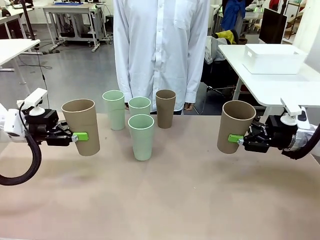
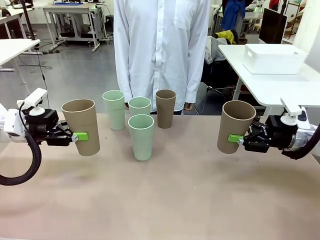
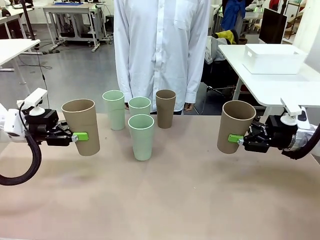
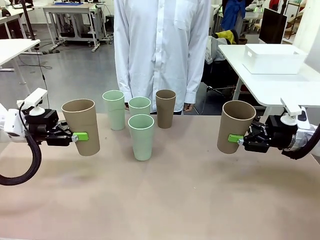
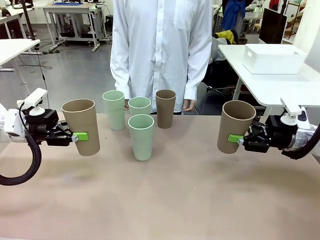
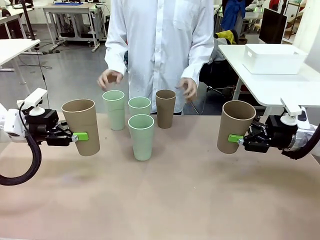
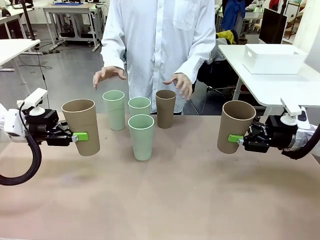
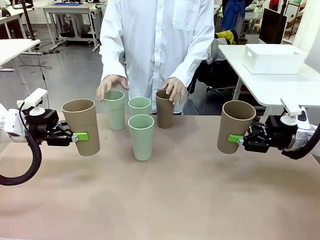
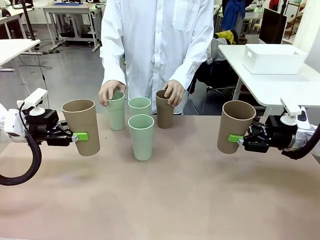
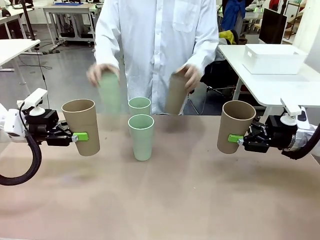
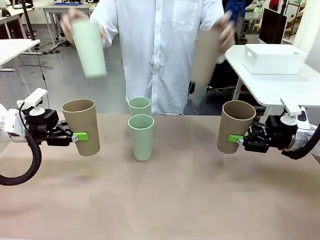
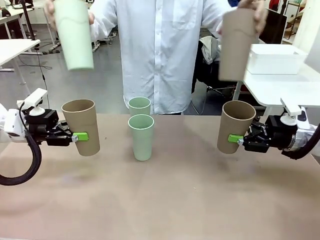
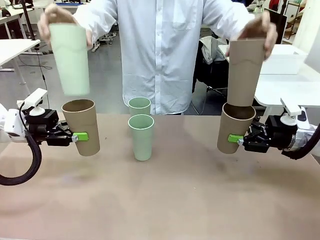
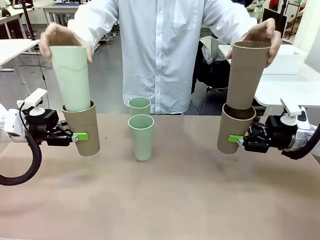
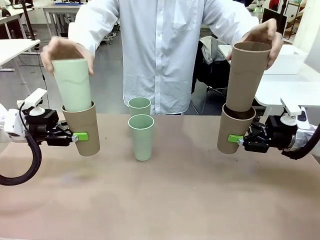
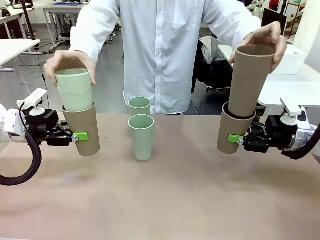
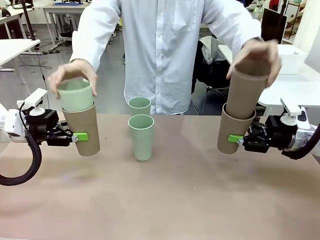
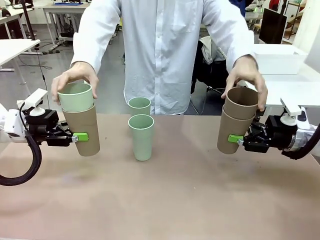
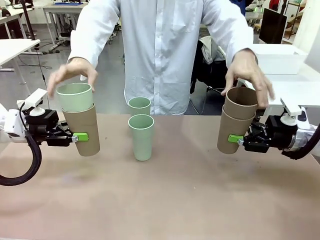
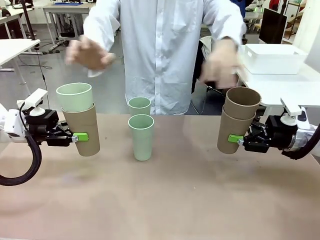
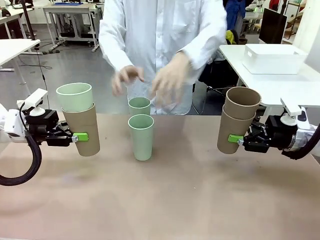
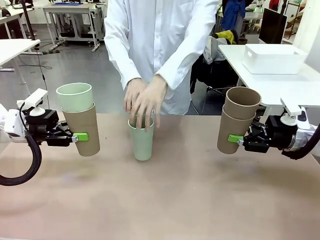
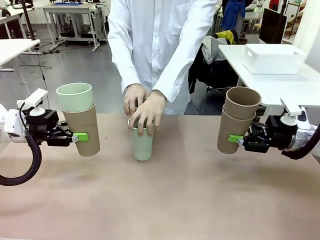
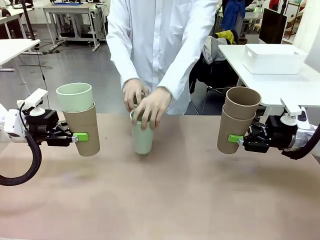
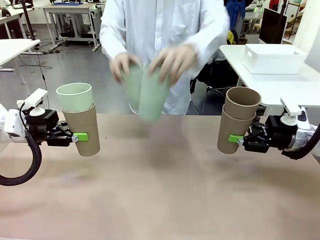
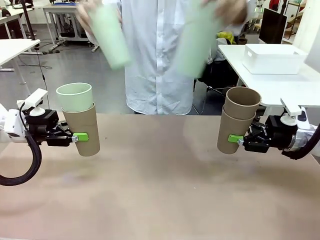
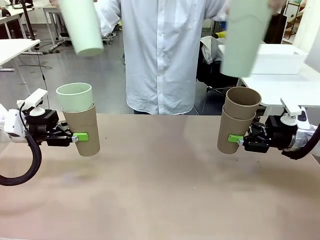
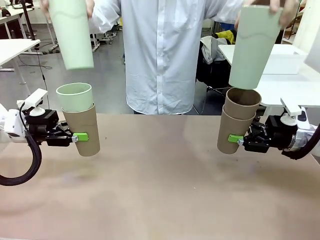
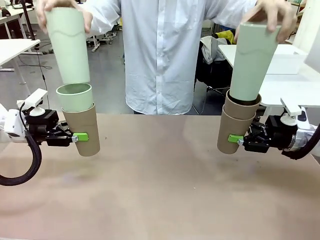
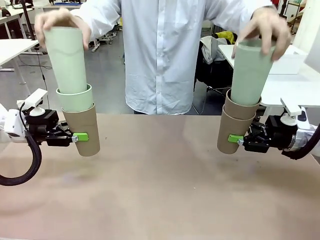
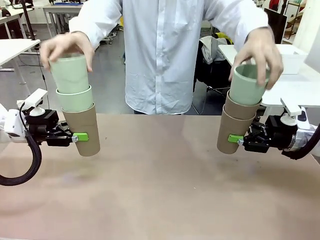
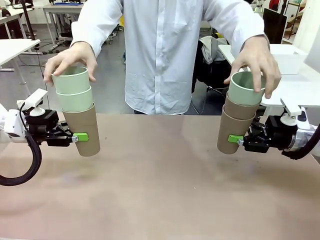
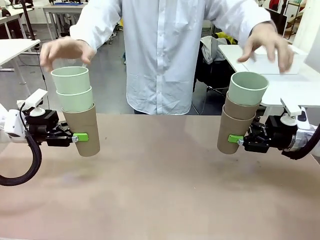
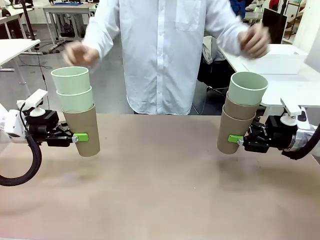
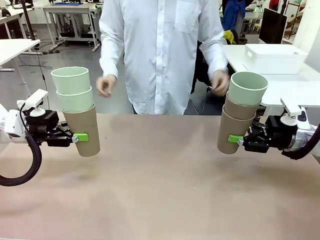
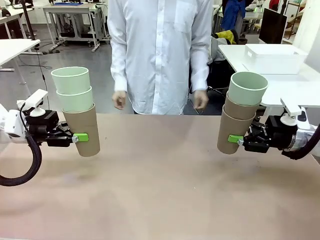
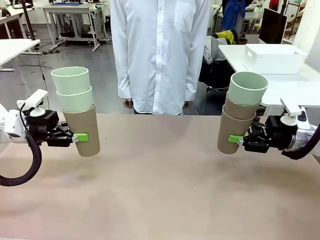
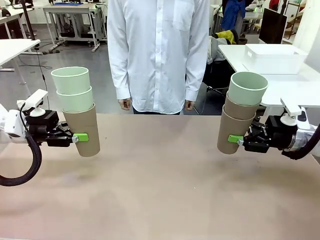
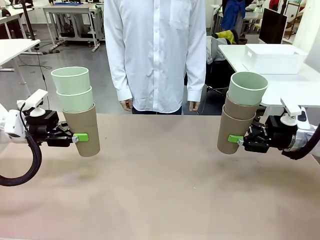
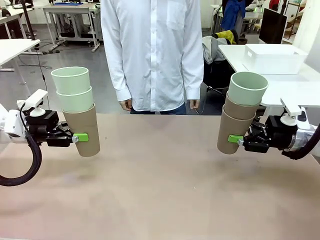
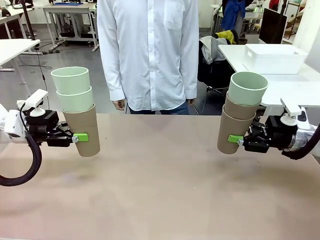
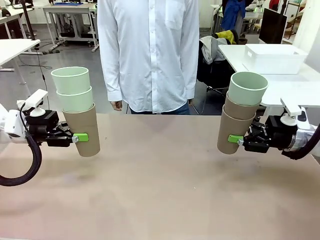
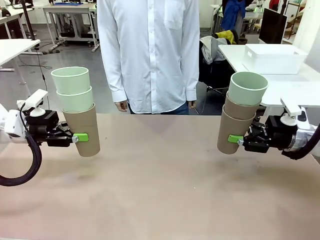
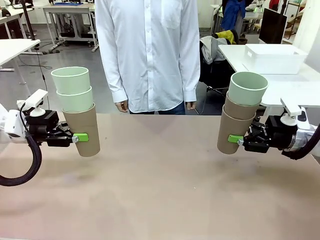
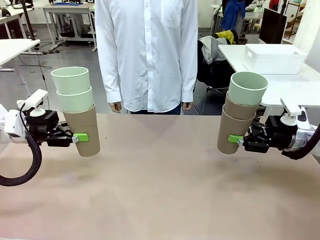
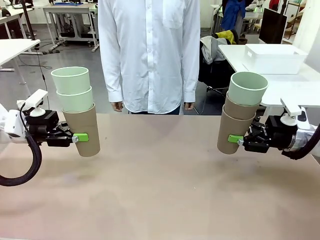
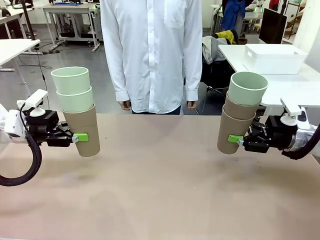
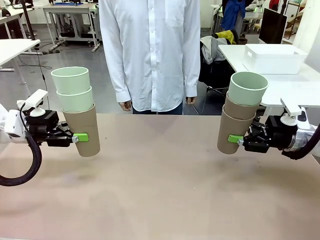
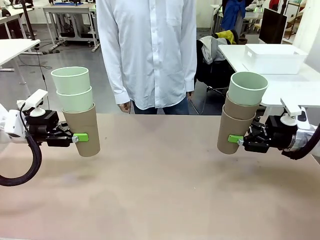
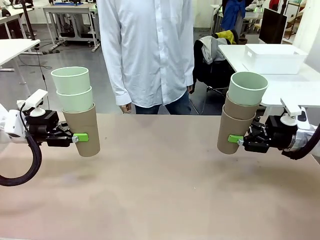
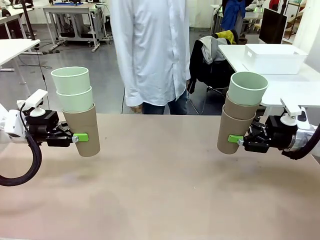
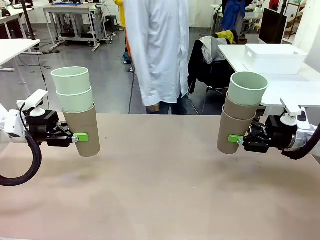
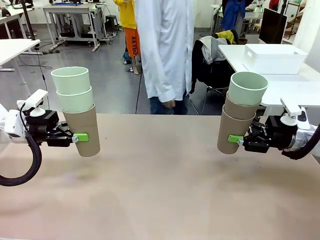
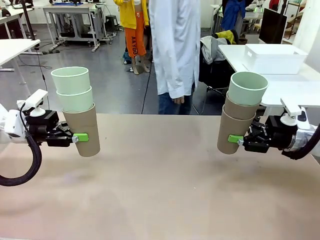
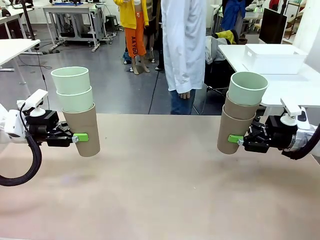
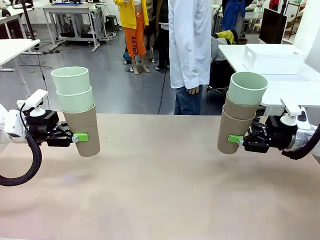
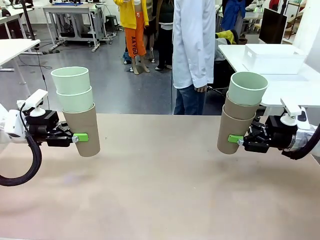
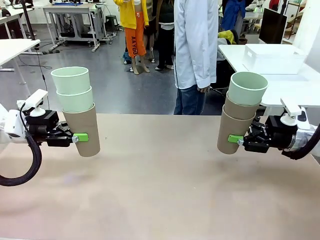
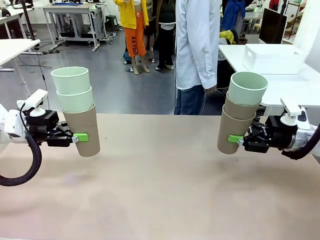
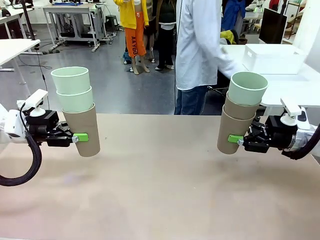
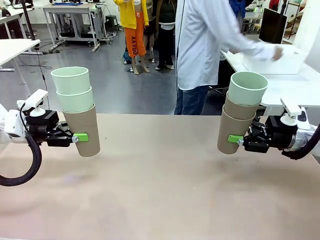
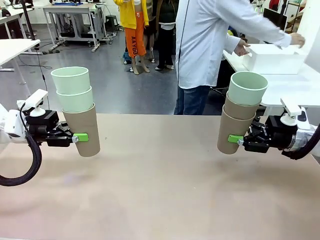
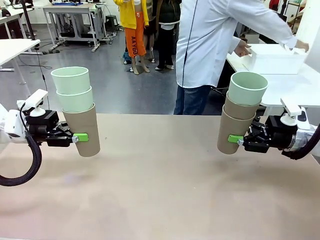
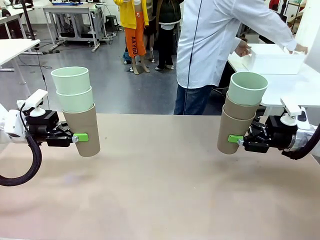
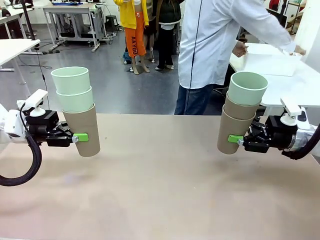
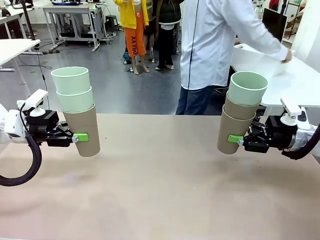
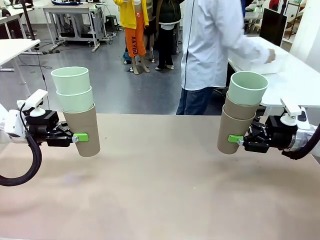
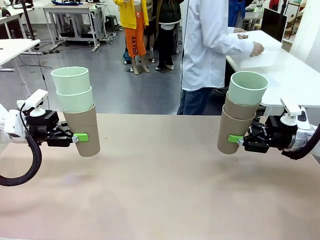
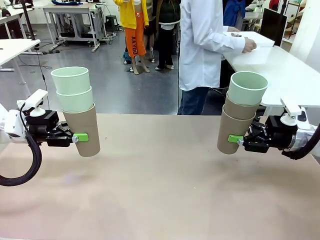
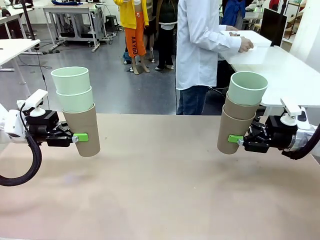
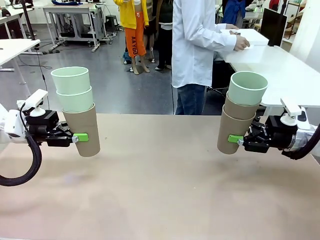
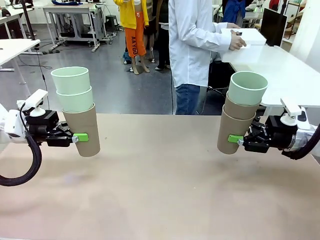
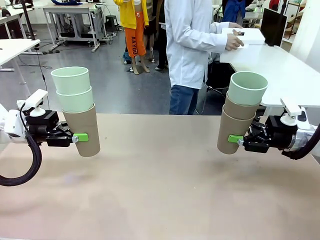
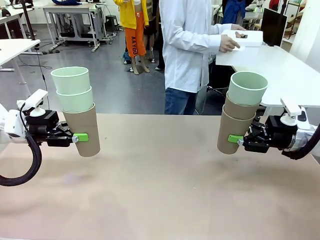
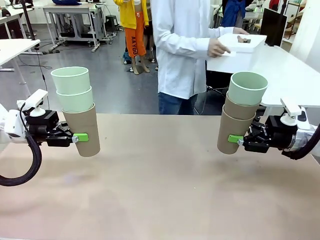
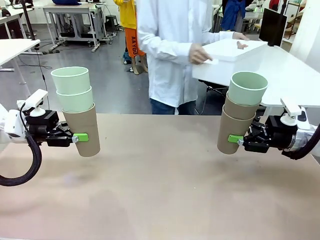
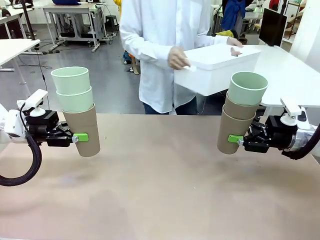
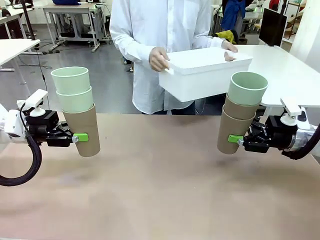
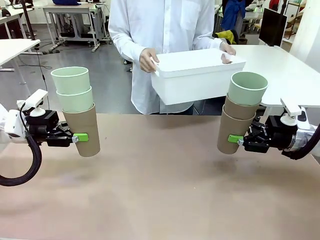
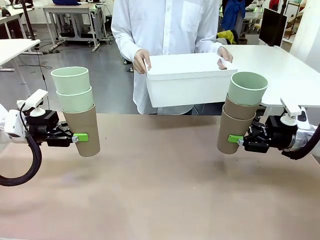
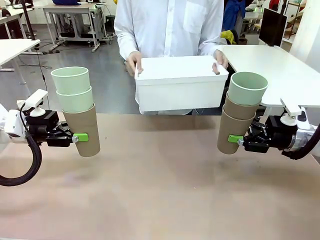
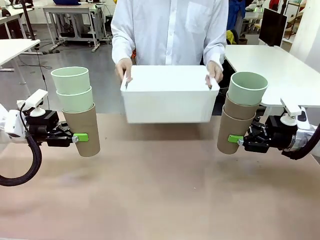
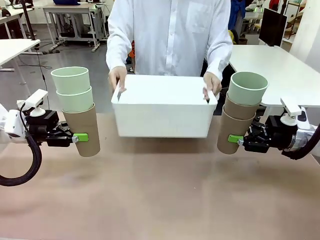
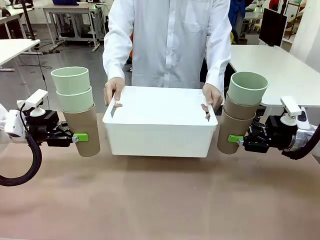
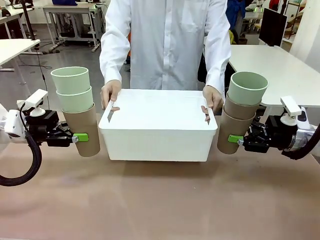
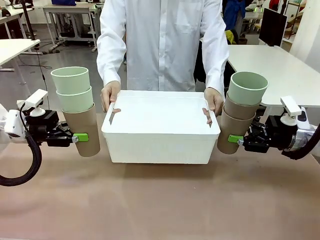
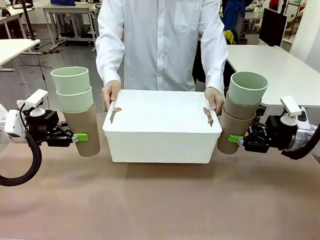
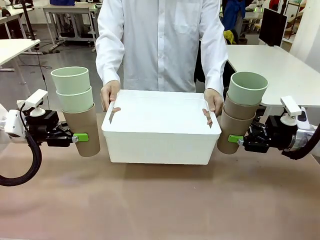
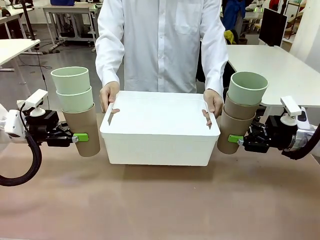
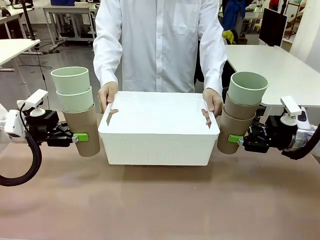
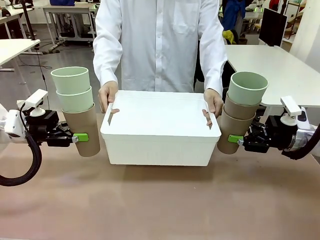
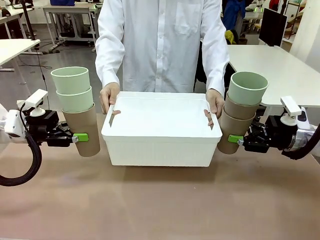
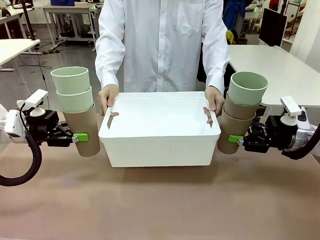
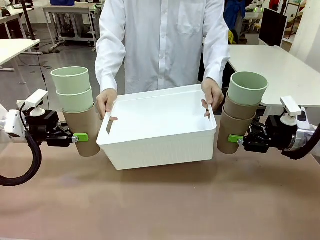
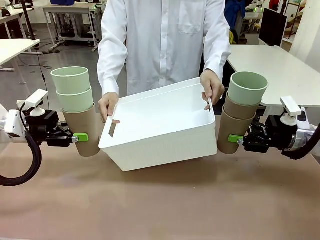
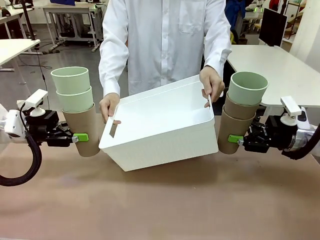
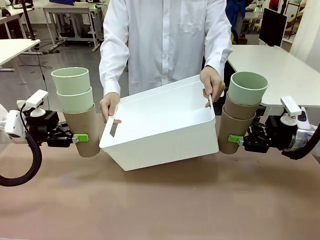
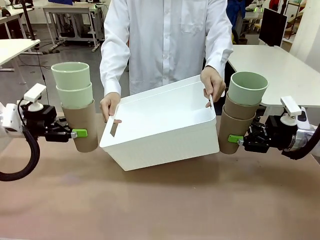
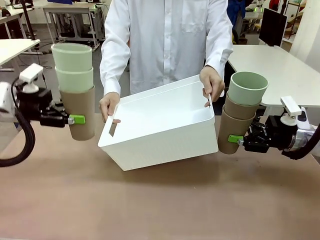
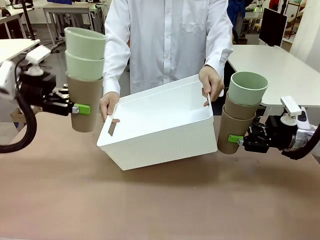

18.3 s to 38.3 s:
Task: Stack the cups and store them in the basket.
Robot: Place the stack of Reusable plastic cups into the Pantry Basket.
Person: Pick up the basket from the Human Table, bring it to the front of the robot, and present it.
